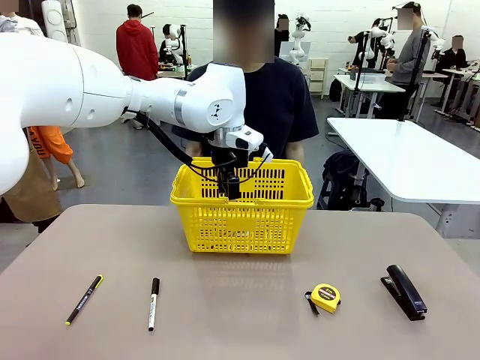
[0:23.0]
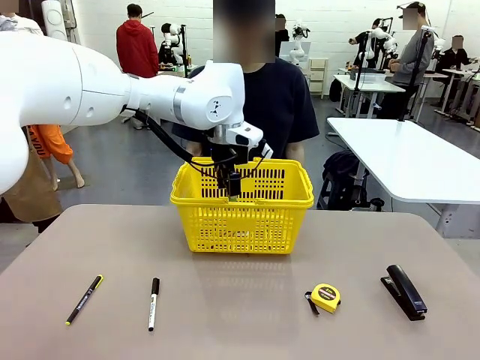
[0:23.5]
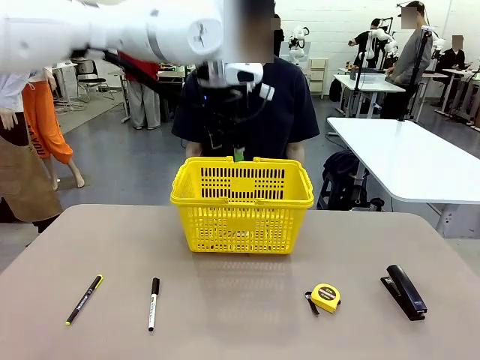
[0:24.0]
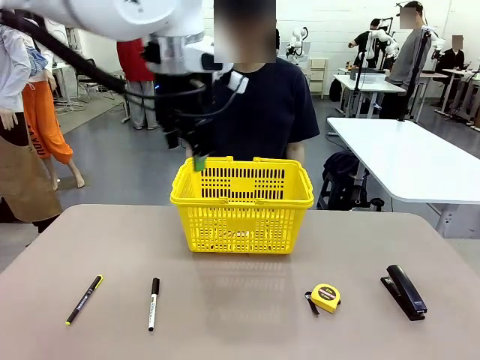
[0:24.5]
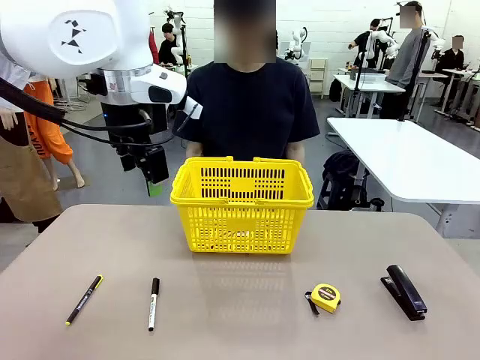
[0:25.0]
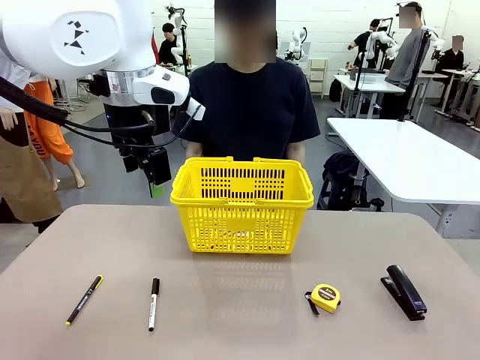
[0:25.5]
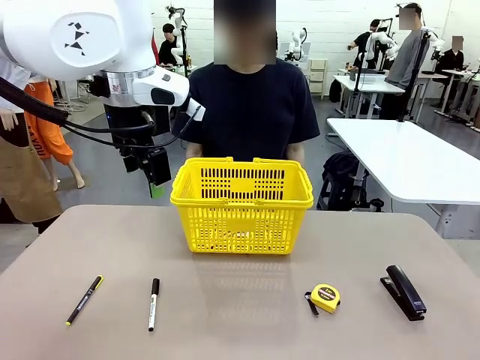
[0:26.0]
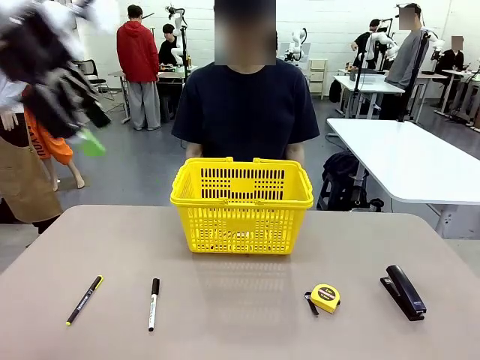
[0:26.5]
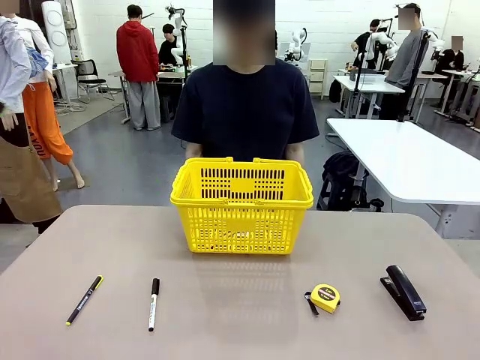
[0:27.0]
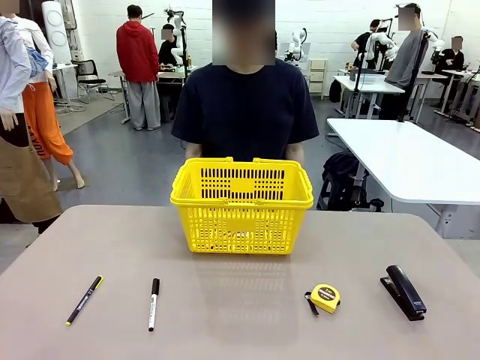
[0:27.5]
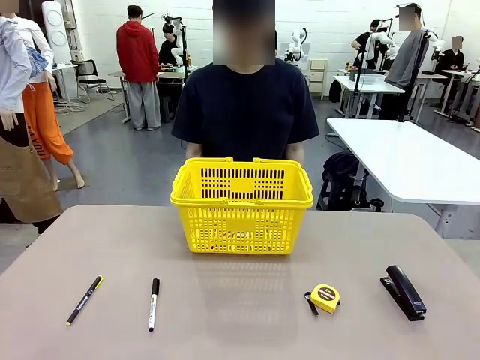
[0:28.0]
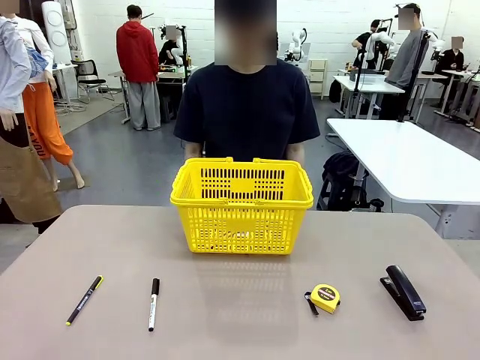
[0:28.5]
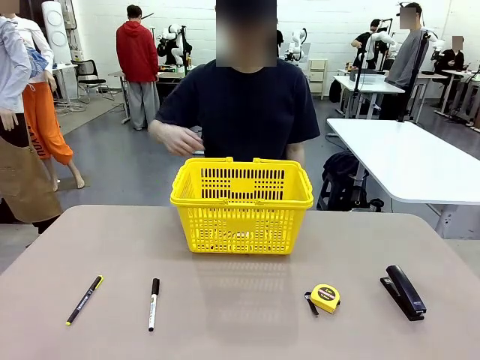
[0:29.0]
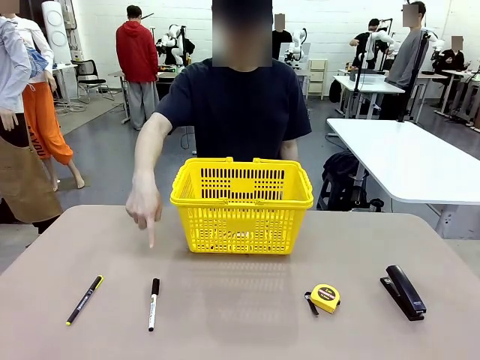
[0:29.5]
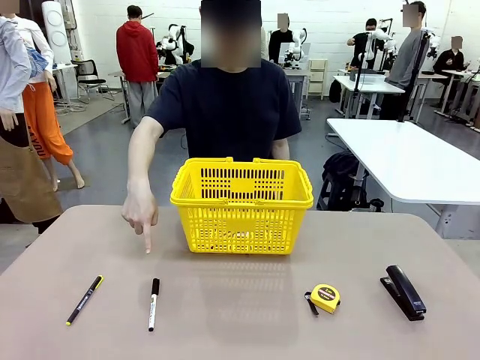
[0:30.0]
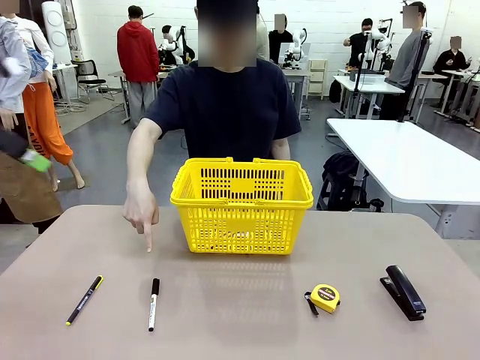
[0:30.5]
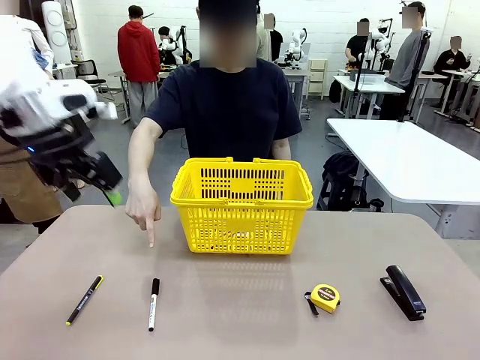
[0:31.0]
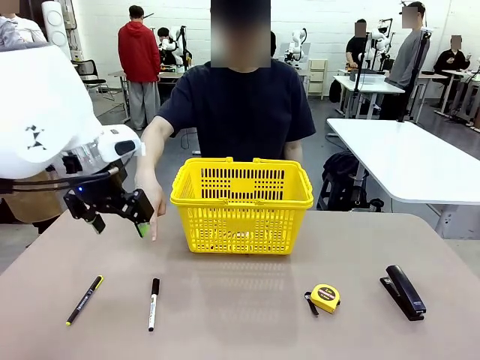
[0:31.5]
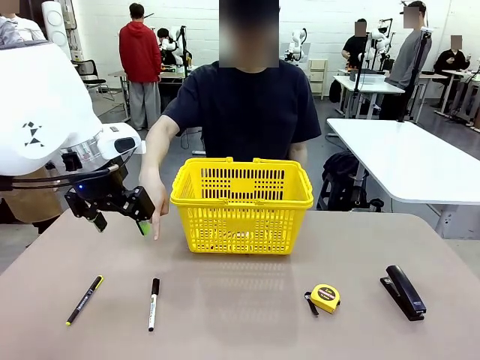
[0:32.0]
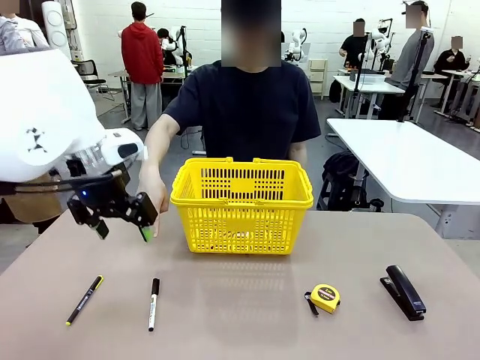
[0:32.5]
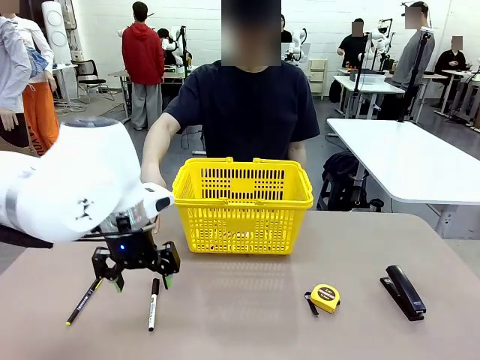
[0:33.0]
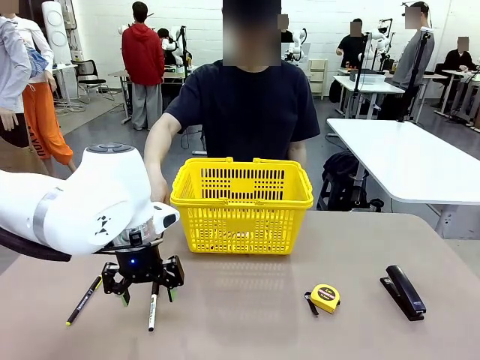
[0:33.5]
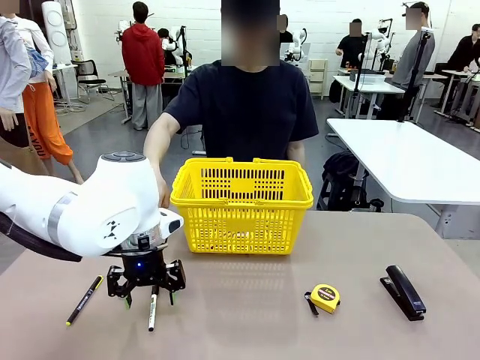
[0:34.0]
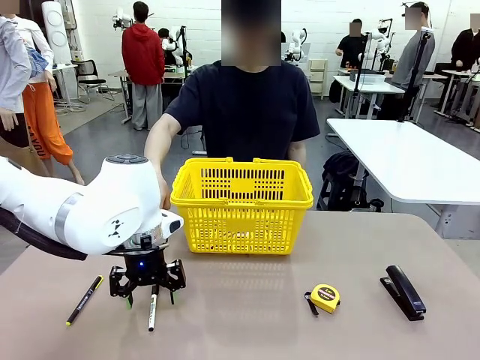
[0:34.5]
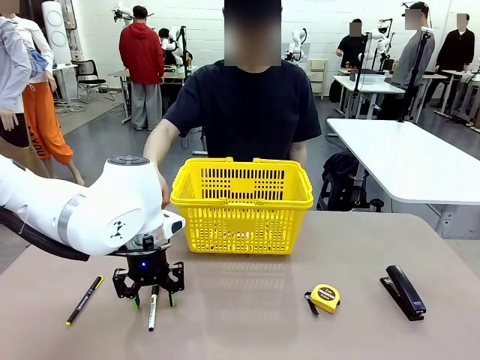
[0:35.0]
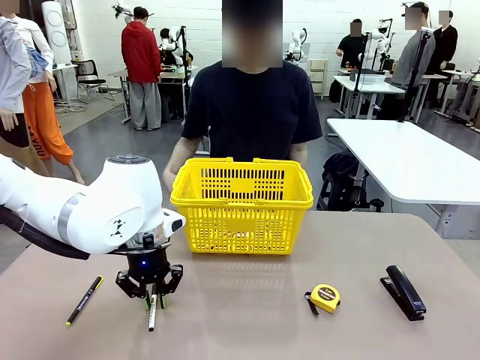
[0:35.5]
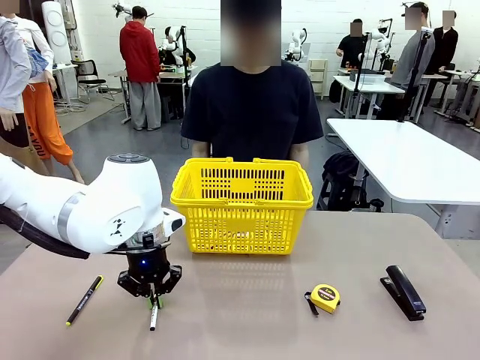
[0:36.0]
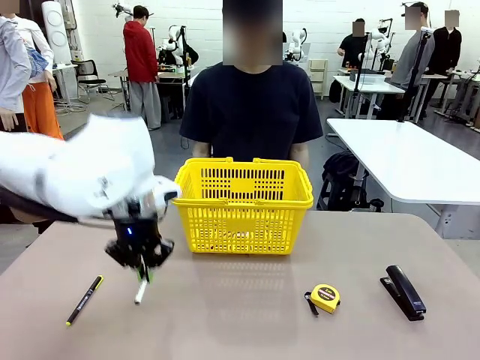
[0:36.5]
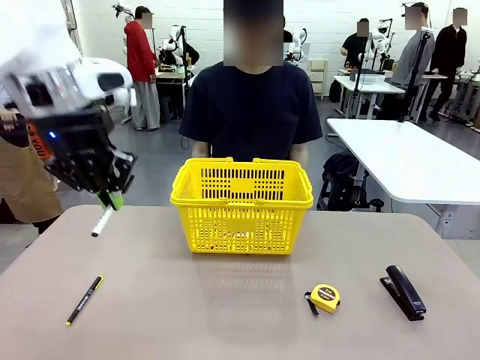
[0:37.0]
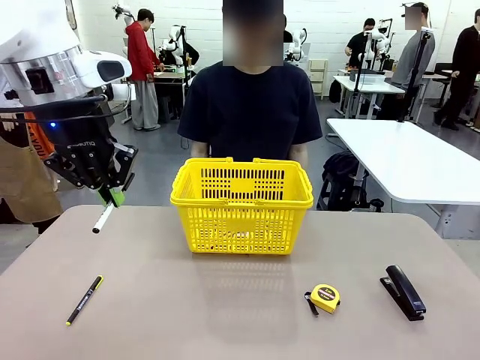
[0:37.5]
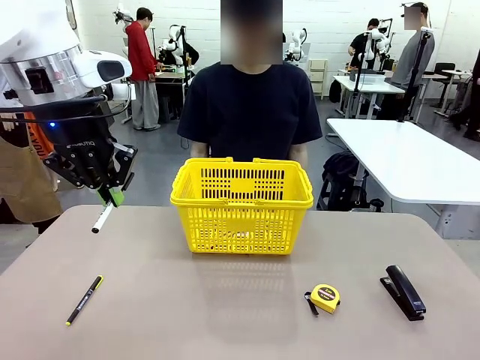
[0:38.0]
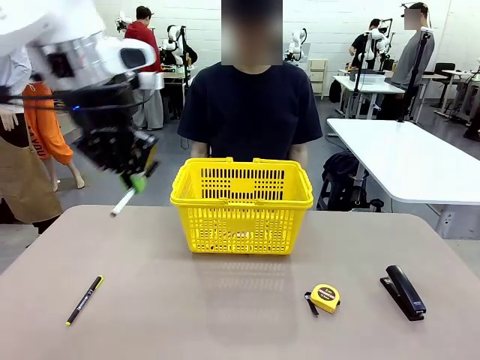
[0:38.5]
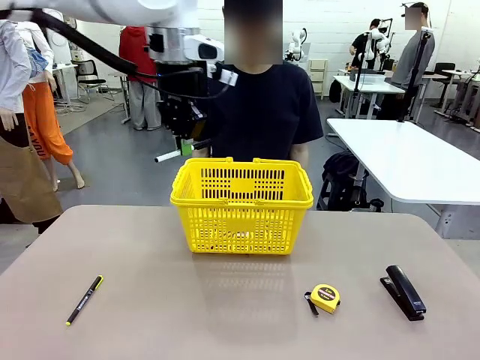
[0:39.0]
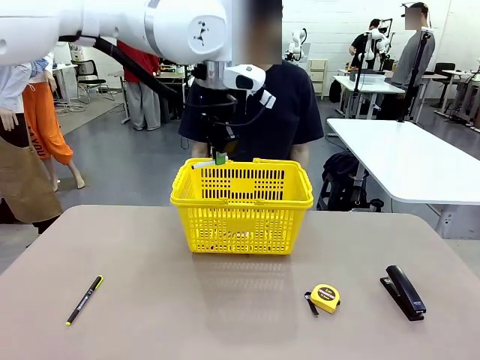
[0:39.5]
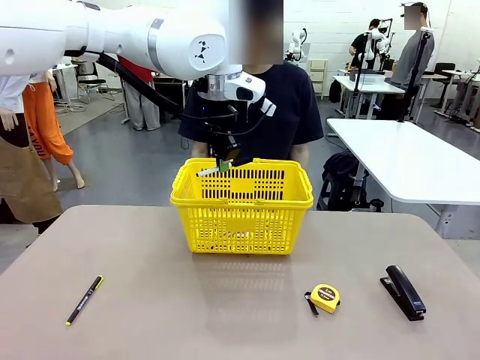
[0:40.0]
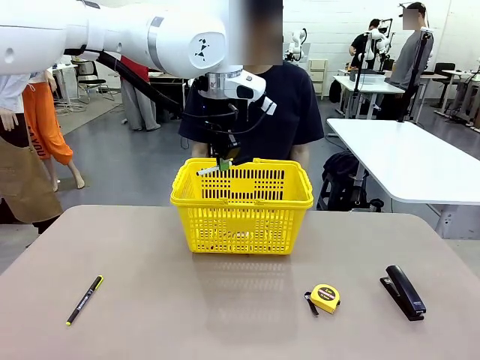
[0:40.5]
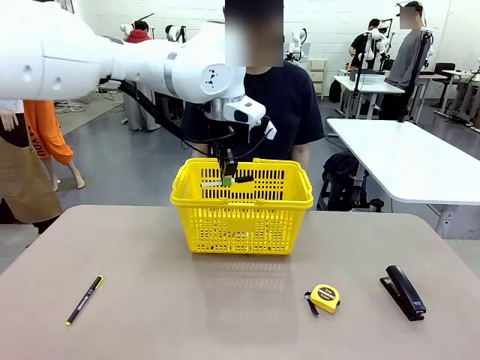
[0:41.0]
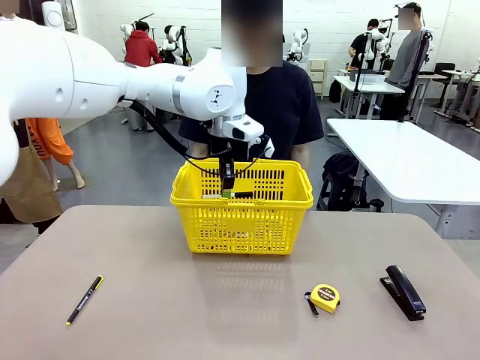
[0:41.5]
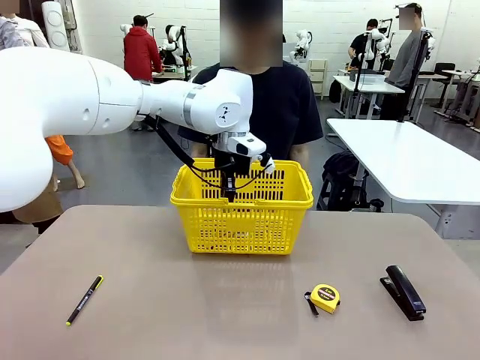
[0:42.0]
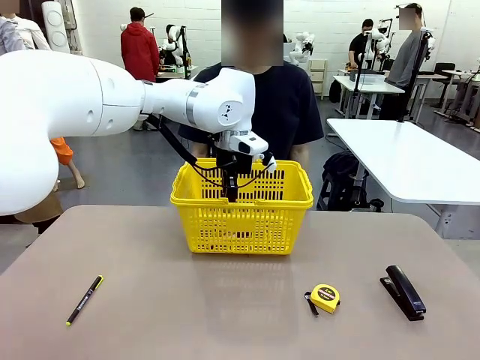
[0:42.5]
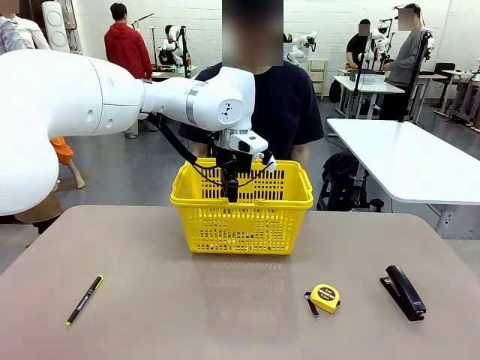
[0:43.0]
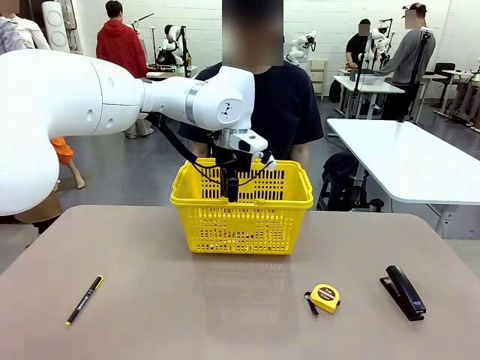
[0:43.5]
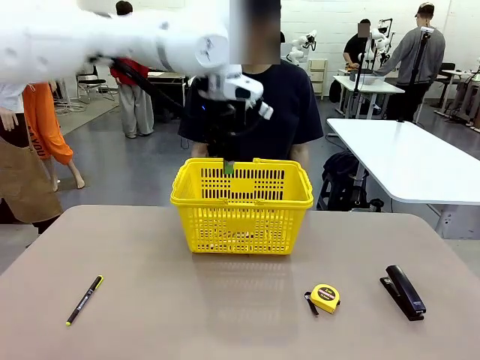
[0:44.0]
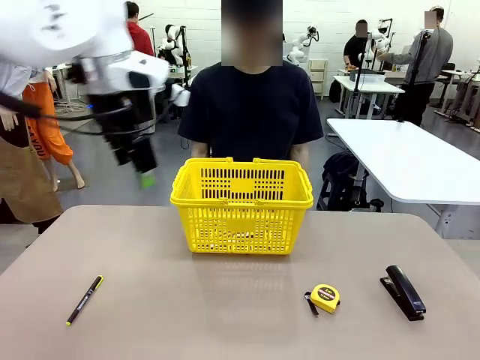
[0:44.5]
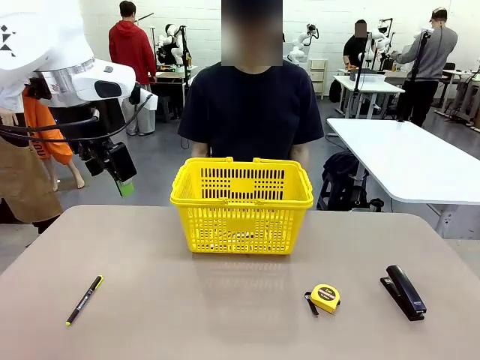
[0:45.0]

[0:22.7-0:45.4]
Task: Place the items the person wants into the basket.
Robot: Pick up the item the person points to and place it in the Market Basket.
